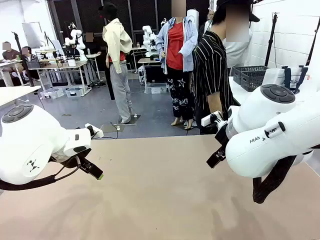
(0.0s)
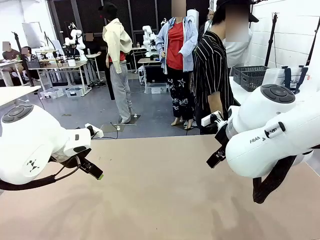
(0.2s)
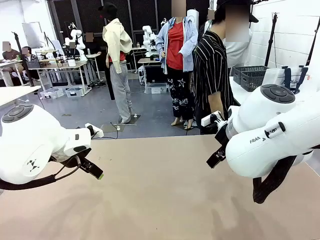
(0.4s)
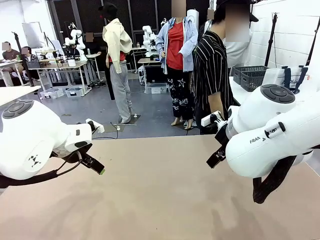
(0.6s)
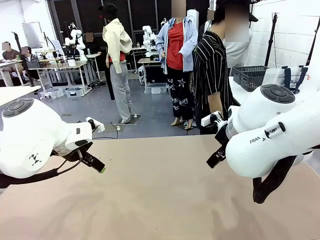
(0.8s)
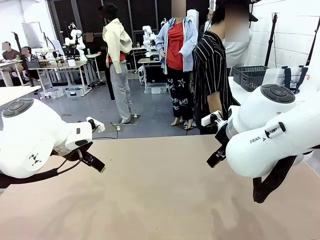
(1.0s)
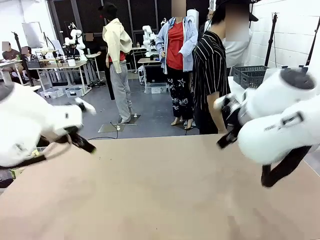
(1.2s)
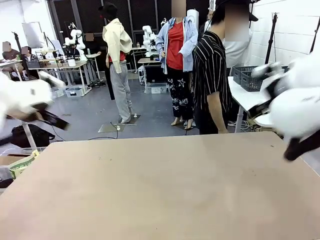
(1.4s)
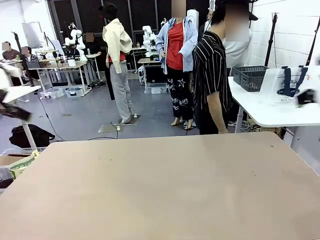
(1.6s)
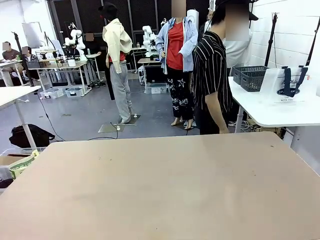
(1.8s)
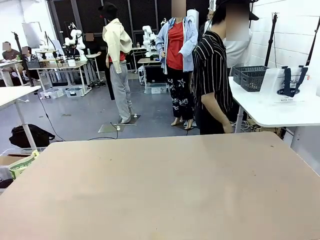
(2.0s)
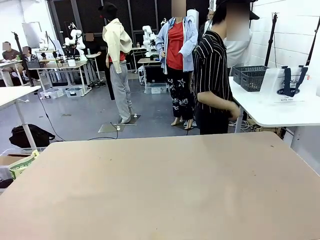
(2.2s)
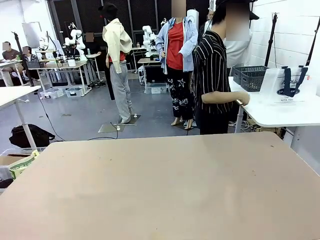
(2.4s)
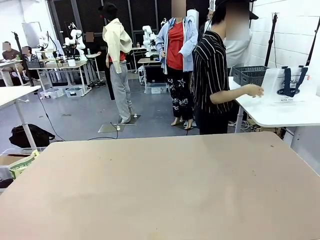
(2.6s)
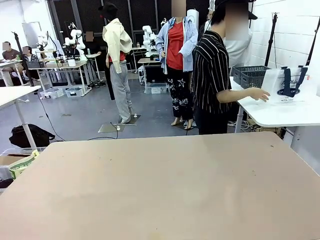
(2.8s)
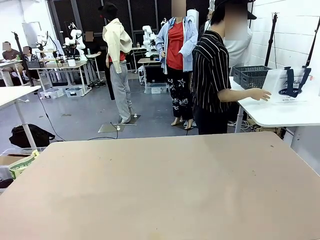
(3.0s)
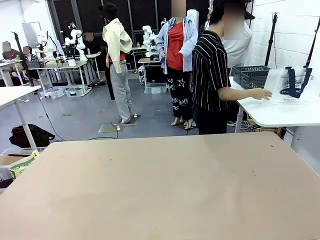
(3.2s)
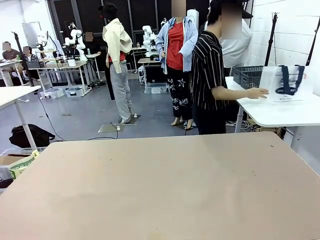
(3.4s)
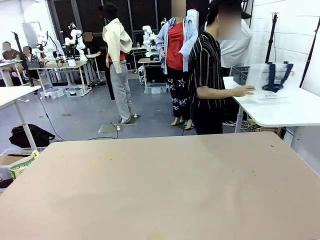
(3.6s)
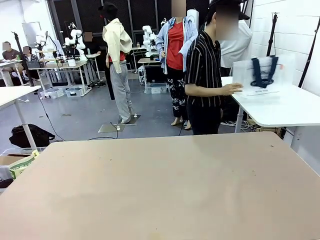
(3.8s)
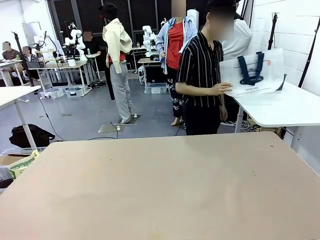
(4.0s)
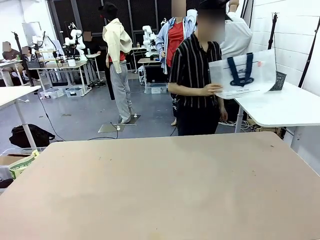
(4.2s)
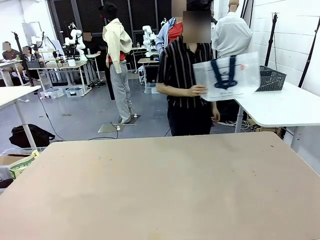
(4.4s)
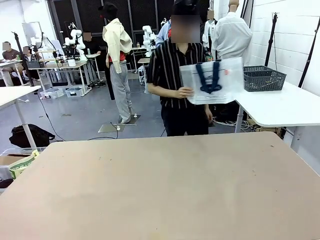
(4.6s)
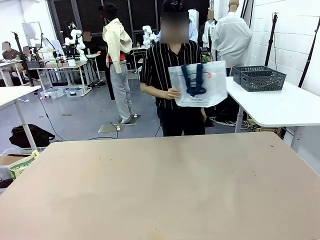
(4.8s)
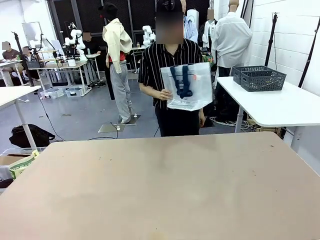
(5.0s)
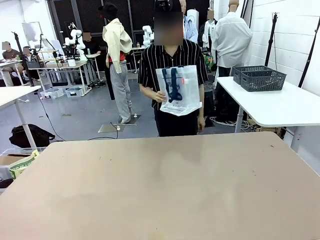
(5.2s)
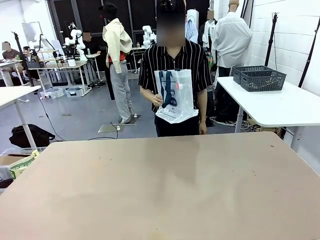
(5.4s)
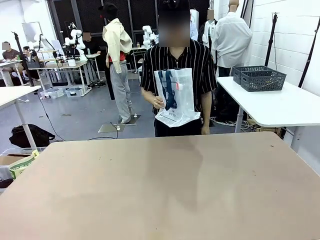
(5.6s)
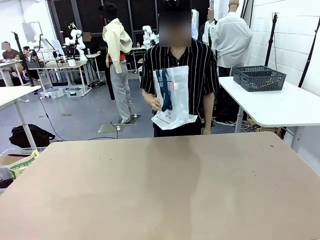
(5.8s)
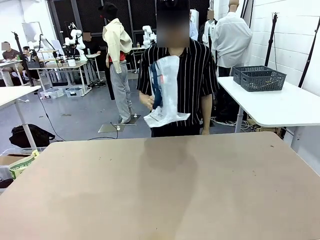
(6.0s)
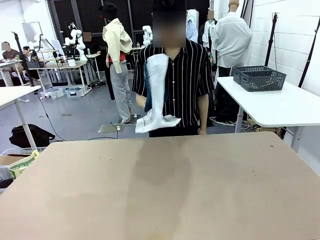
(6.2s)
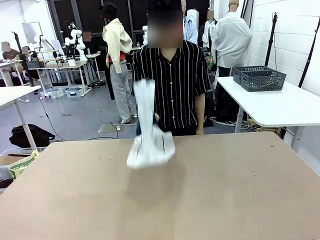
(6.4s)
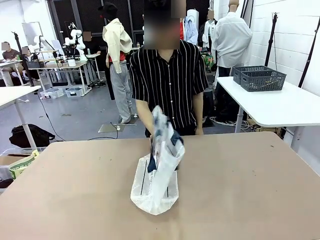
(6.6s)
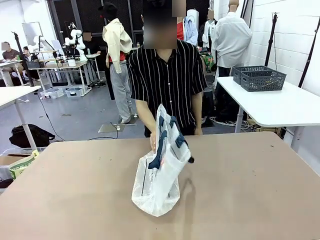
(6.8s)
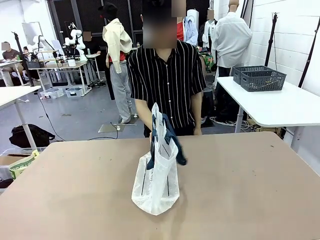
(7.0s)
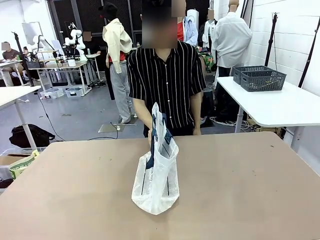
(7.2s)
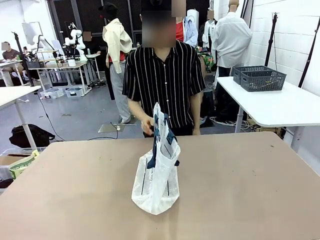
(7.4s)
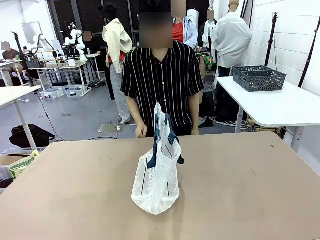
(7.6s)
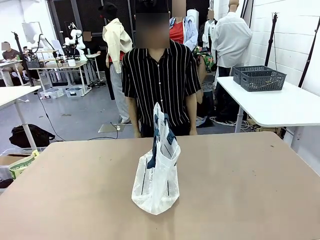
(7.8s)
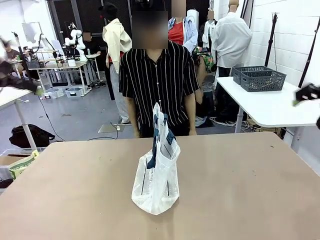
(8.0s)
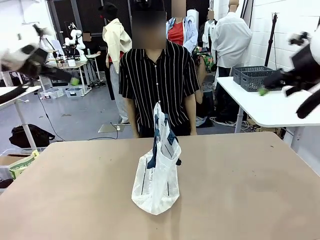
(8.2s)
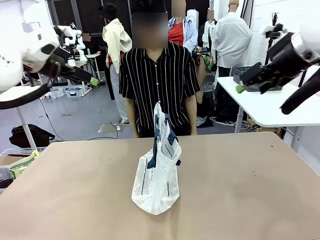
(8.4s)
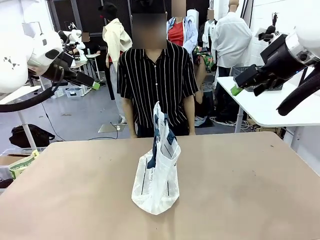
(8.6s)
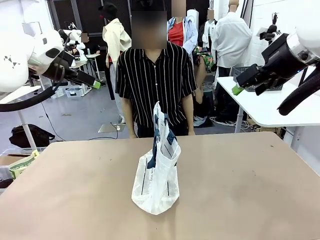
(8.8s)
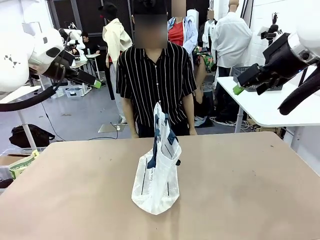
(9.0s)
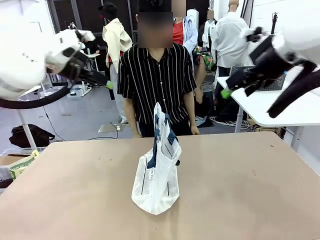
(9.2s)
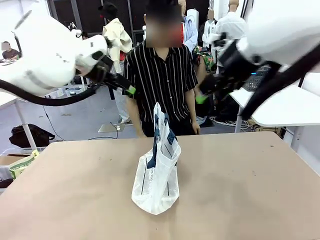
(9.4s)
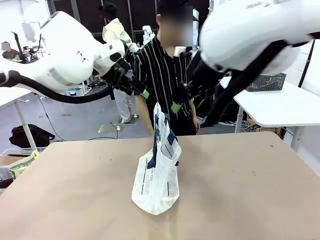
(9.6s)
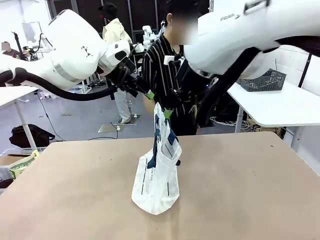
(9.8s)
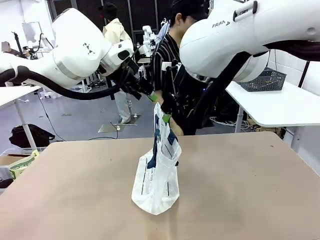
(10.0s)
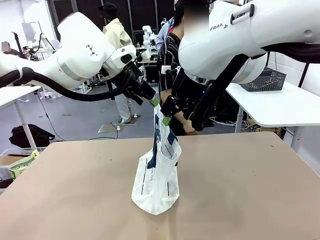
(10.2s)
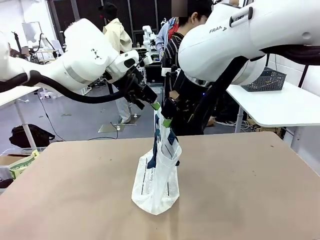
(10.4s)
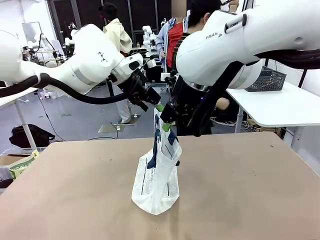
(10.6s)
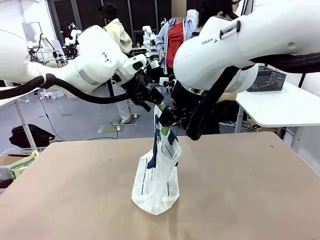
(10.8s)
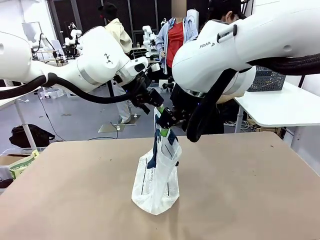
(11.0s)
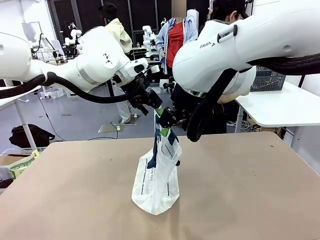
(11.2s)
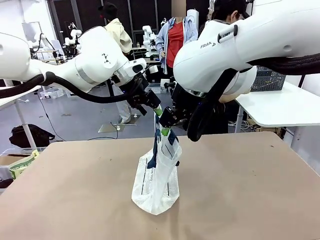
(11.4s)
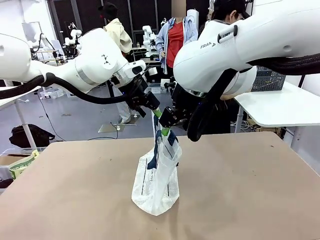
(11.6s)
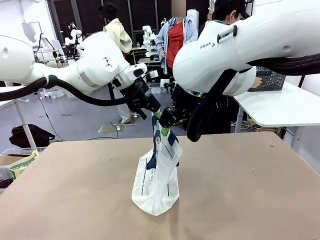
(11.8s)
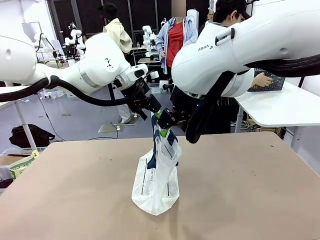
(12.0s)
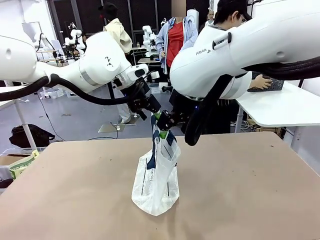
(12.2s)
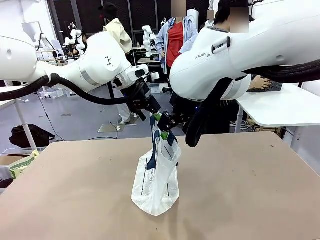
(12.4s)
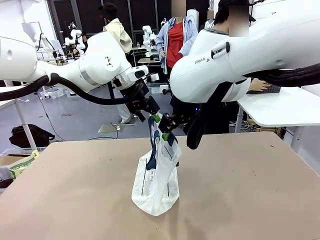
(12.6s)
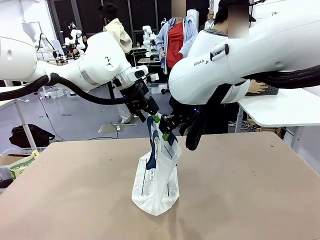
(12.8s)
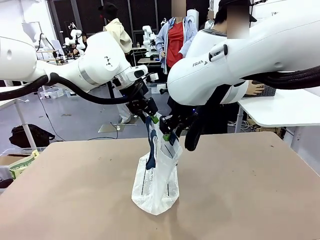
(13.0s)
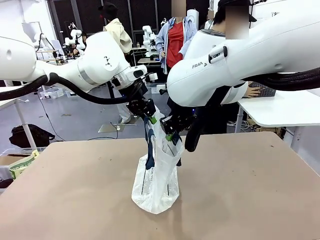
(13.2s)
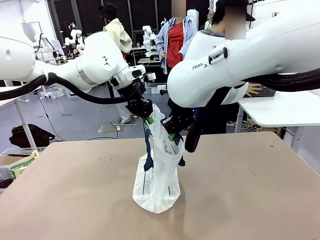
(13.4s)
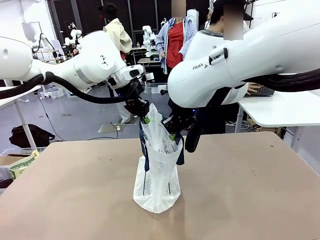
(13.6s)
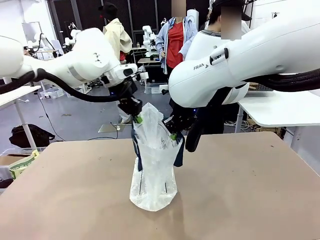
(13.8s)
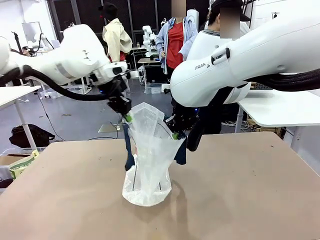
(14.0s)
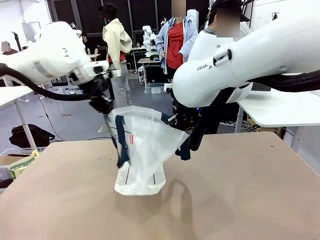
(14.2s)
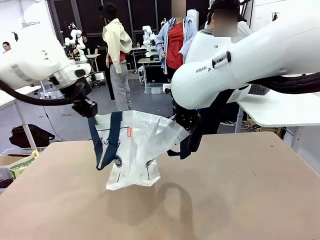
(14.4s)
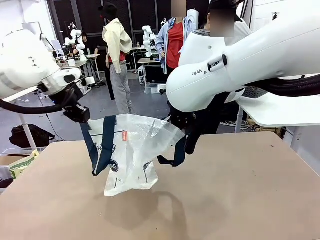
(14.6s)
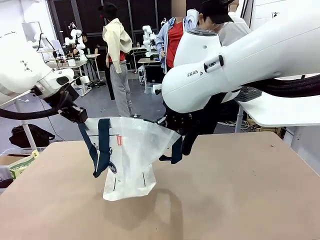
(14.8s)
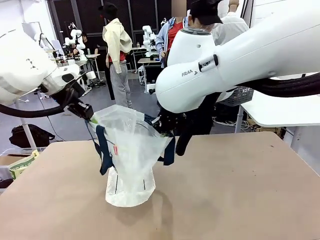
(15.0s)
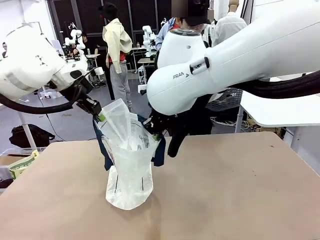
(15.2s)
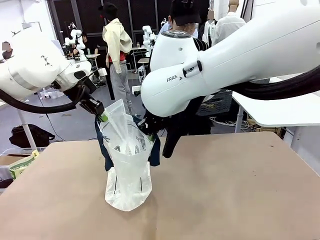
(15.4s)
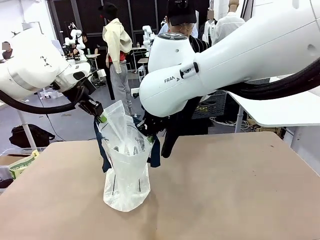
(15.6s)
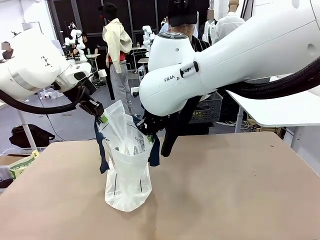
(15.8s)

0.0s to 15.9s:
Task: Transfer purchased items from the store into the shopping bag.
Robot: Open the Reusable shopping bag in the center of the table.
Person: Pick up the shopping bag and place it in the middle of the robot table. Pick up the basket on the right, place it on the left side of the robot table, and move the items in the basket to the shopping bag.
